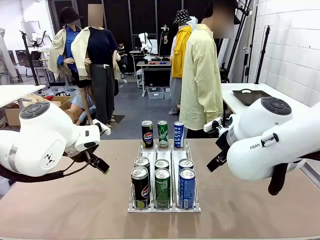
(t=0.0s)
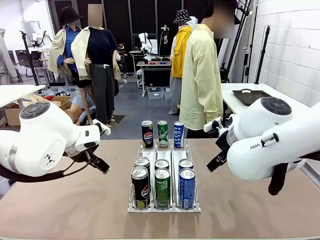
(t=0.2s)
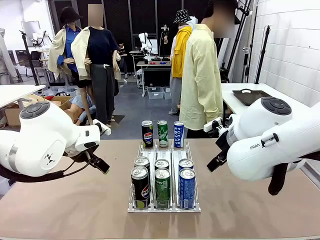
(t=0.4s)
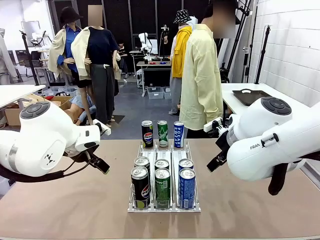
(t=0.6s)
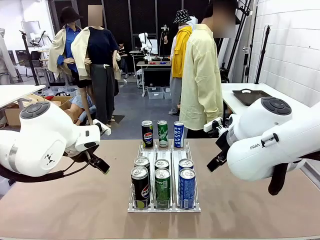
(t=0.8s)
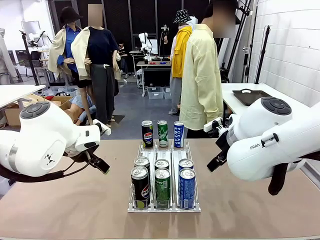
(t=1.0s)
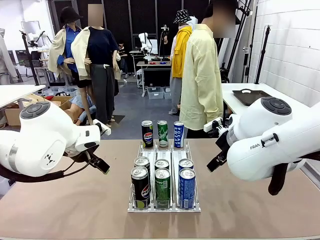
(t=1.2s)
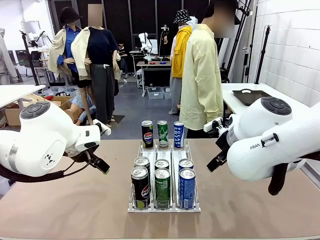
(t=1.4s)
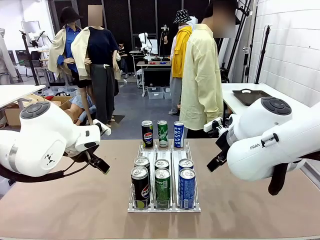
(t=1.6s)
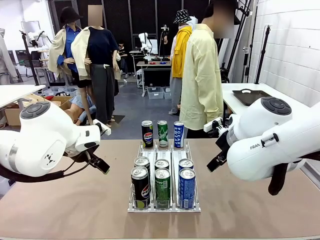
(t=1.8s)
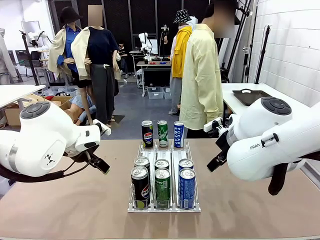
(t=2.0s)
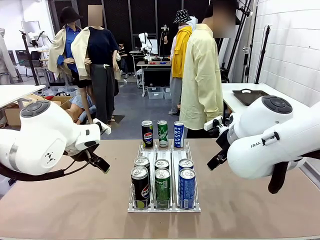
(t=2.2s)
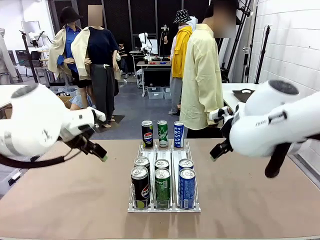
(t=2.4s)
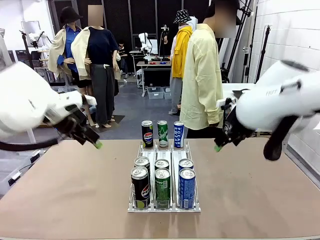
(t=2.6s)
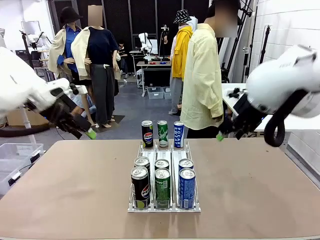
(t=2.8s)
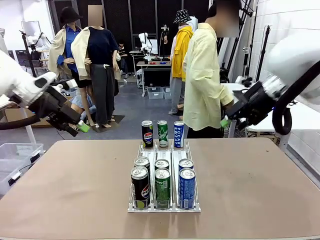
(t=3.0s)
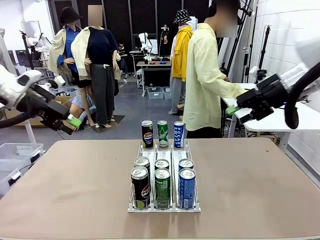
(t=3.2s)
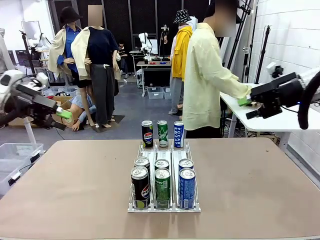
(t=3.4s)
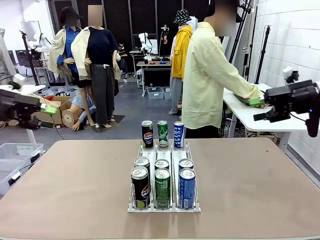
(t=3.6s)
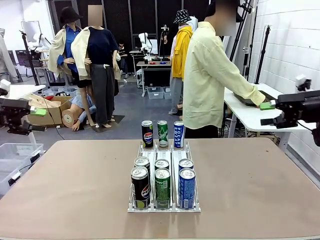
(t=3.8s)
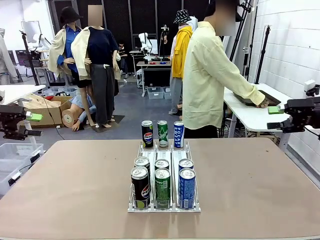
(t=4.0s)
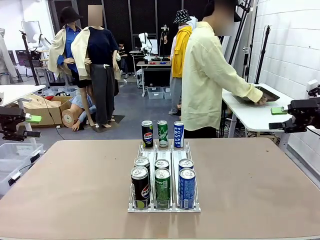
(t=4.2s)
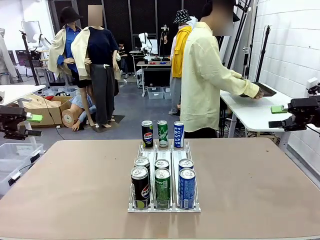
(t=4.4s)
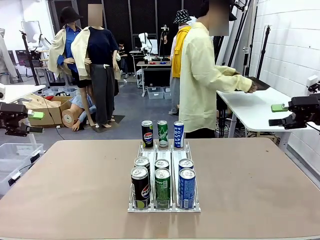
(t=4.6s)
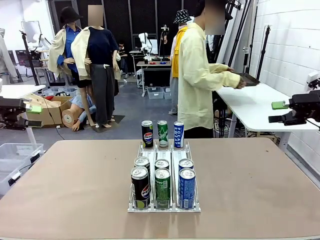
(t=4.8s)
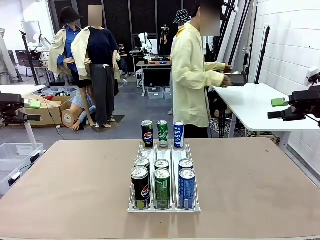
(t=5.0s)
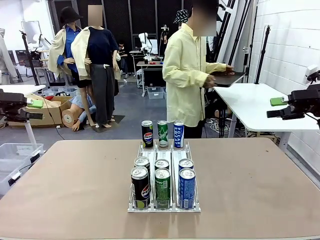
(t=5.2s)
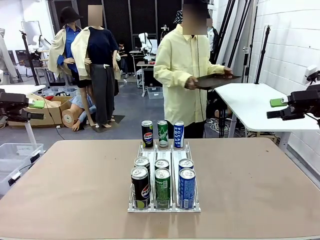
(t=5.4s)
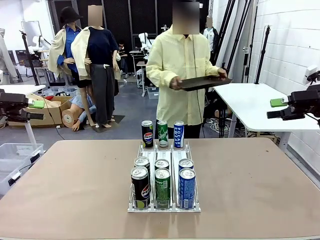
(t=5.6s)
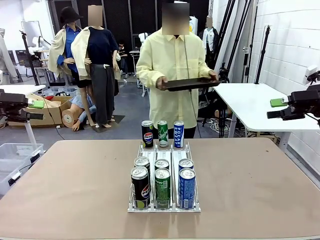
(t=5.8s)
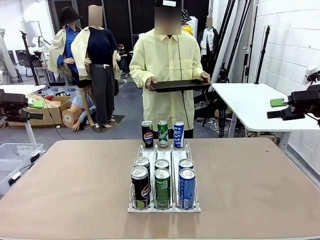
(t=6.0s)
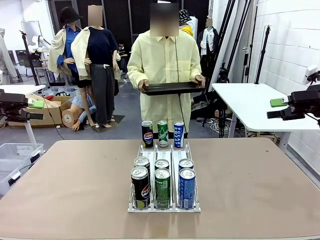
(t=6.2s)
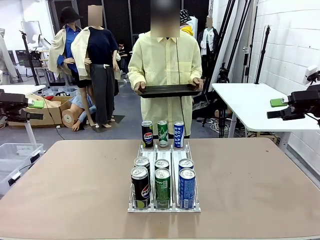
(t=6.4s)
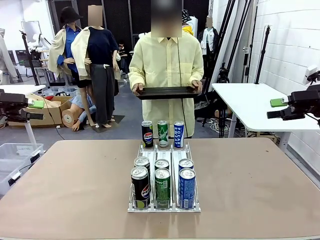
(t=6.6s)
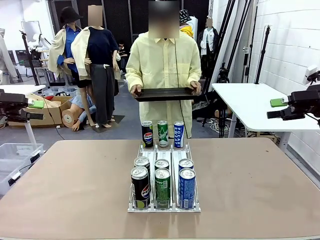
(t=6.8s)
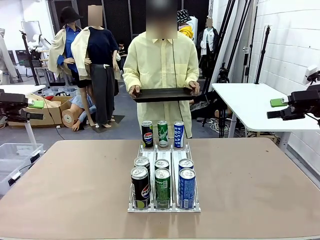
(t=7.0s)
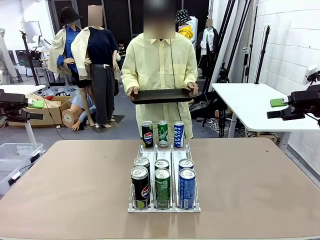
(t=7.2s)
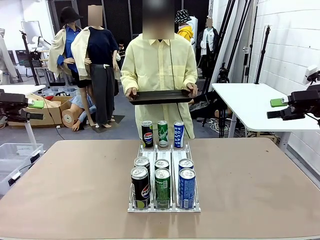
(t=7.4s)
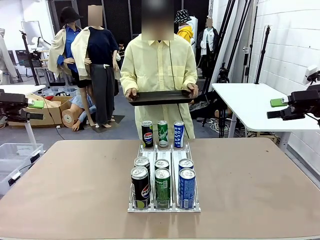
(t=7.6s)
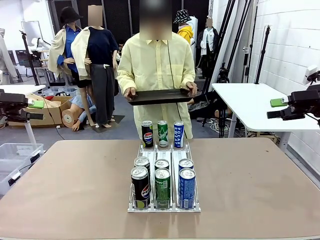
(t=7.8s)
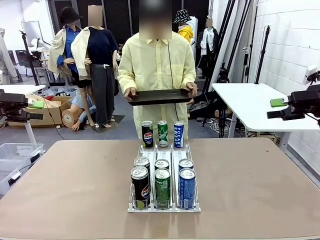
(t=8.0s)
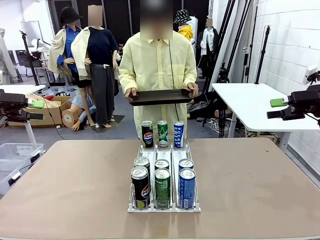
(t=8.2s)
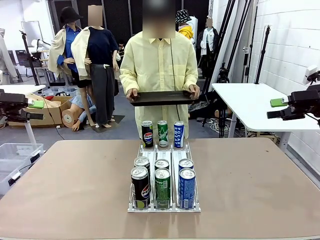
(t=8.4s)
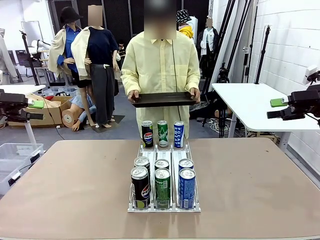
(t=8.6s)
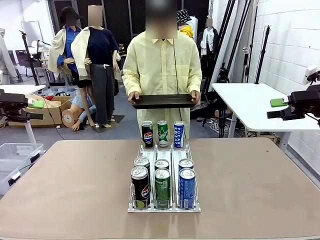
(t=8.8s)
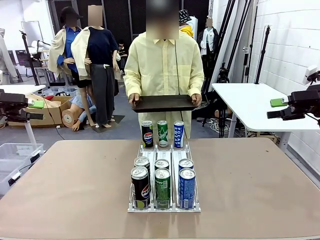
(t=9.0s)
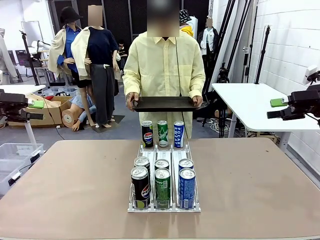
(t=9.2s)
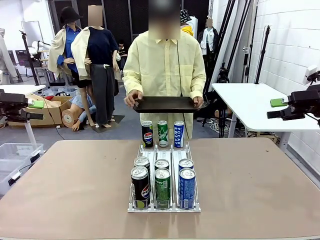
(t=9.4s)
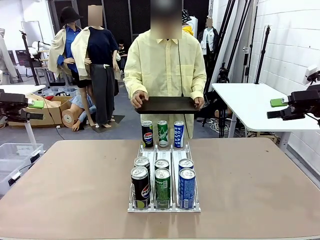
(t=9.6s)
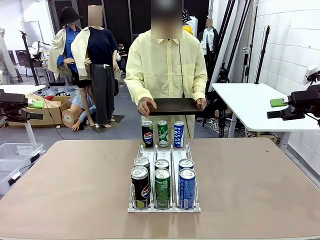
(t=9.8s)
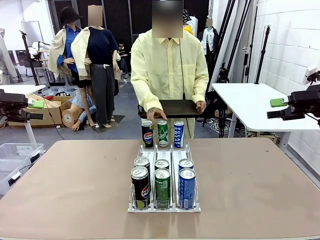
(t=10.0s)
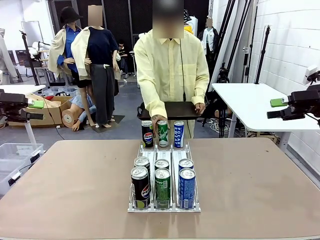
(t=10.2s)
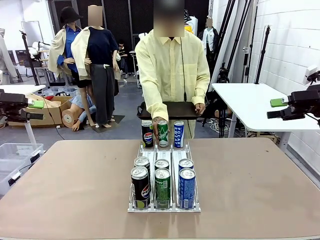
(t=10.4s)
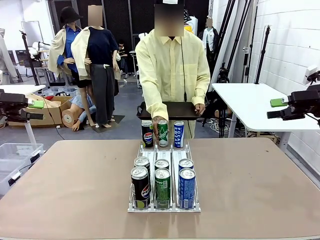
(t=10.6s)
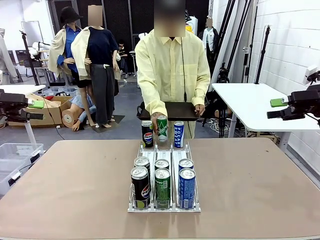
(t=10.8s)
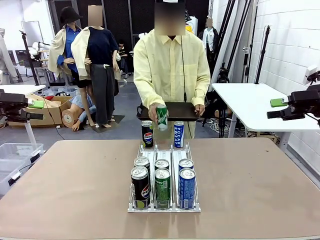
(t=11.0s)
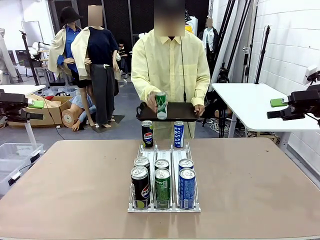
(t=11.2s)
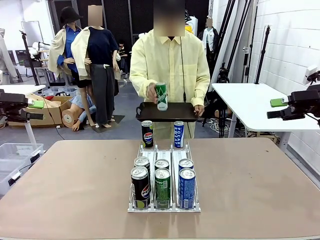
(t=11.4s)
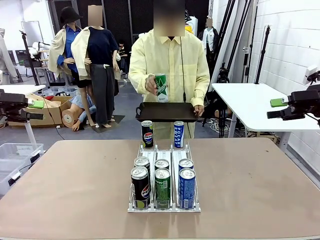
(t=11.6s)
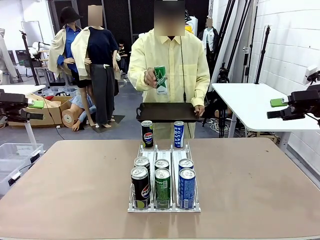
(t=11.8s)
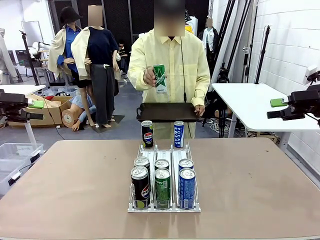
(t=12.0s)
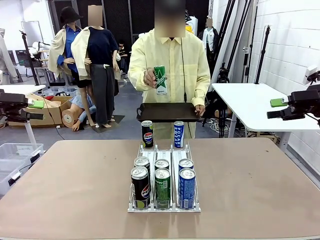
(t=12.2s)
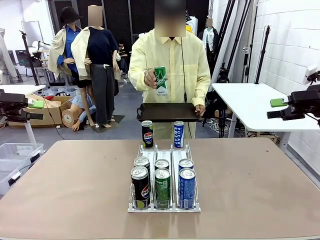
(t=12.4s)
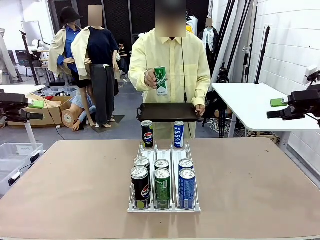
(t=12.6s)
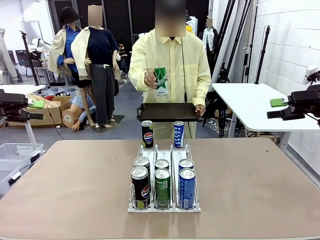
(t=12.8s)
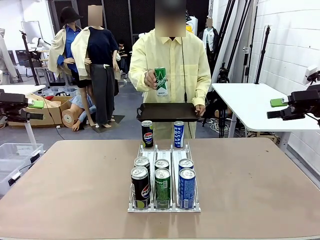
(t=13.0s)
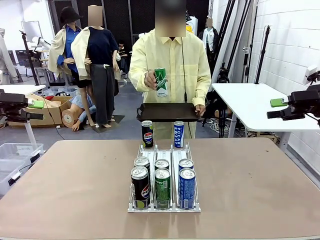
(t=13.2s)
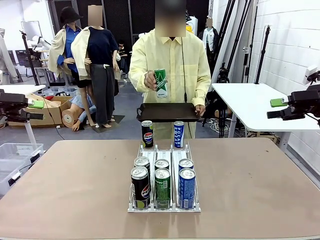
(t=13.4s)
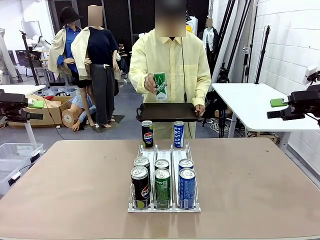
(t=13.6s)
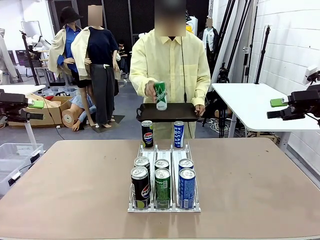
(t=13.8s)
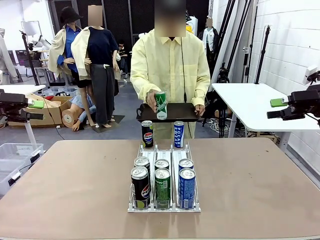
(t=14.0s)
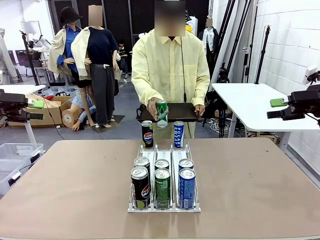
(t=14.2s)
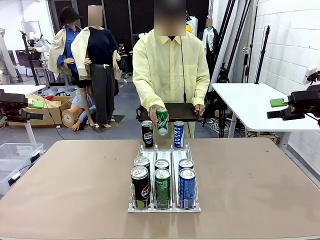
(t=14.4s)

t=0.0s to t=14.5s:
Task: Retrieve and hand over the desired beverage to the person.
Robot: Pick up a can of the same type that the person held from the Automatic Can Dispenser.
Person: Hold the tray and position yourself in front of the robot table. Pick up one can from the bottom area of the table and puts it back in its original place.
